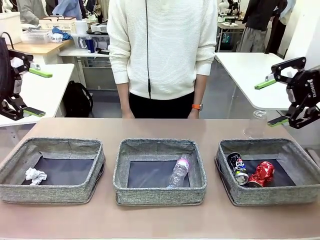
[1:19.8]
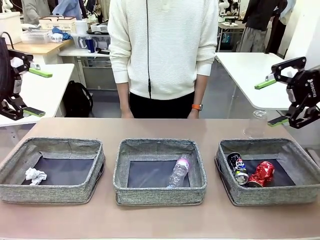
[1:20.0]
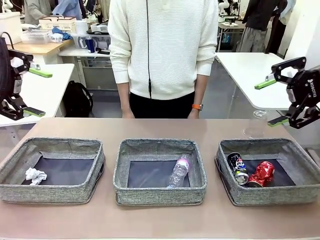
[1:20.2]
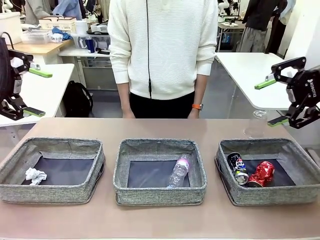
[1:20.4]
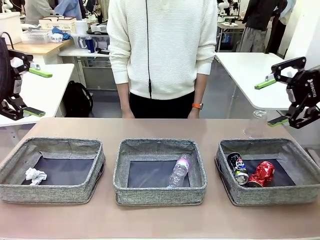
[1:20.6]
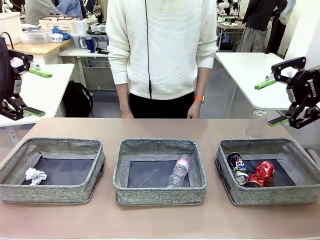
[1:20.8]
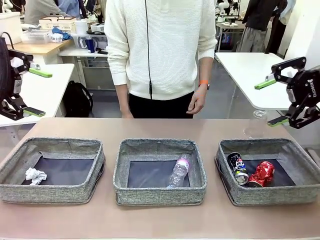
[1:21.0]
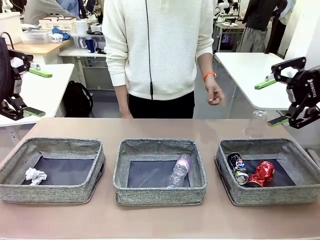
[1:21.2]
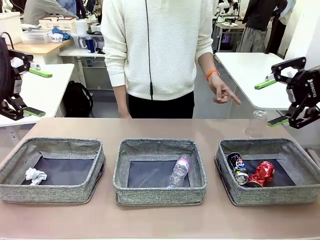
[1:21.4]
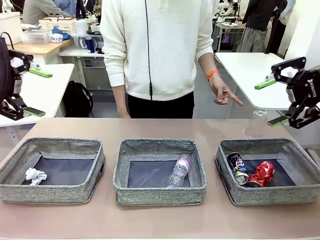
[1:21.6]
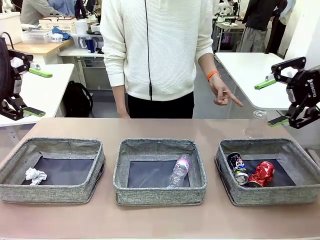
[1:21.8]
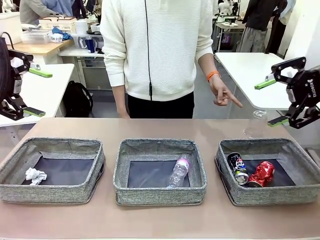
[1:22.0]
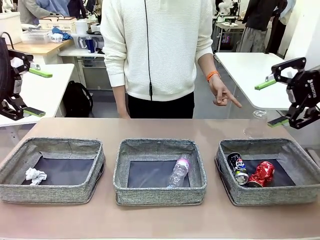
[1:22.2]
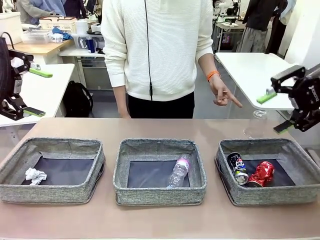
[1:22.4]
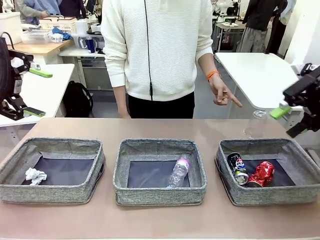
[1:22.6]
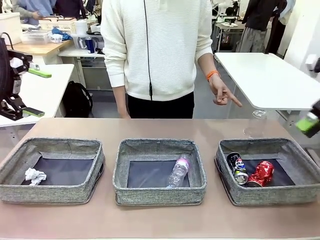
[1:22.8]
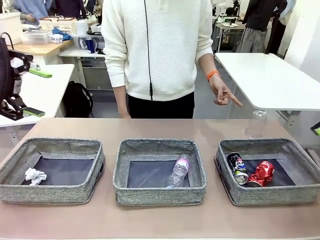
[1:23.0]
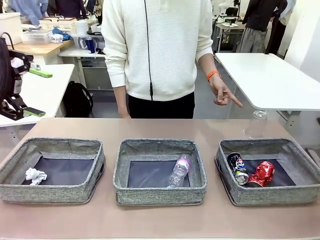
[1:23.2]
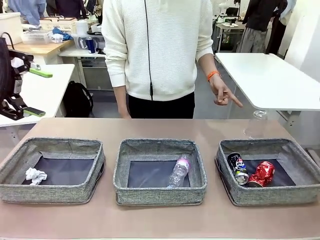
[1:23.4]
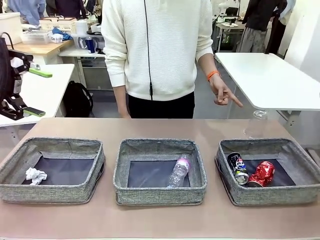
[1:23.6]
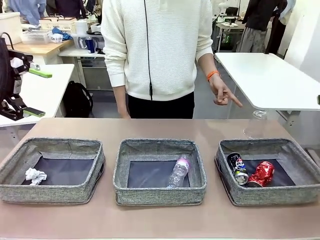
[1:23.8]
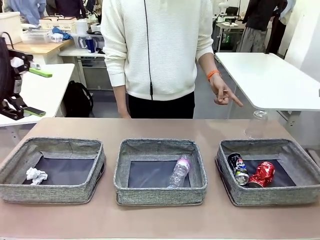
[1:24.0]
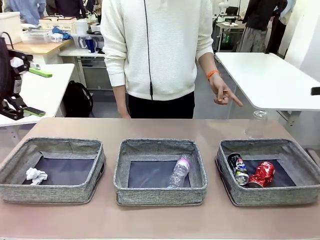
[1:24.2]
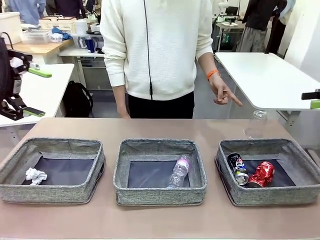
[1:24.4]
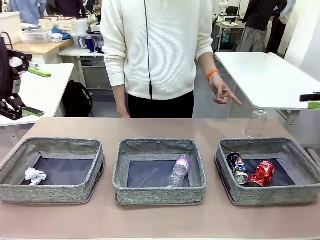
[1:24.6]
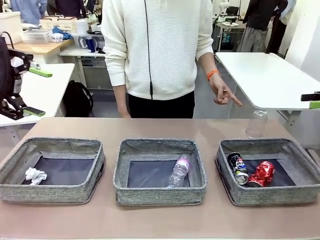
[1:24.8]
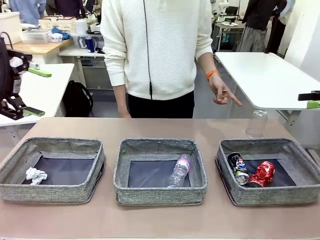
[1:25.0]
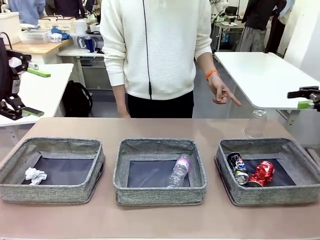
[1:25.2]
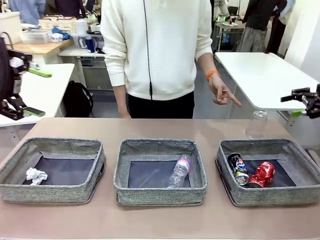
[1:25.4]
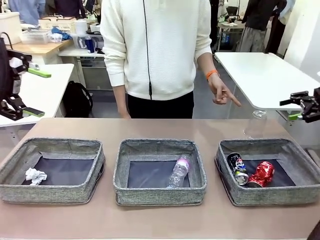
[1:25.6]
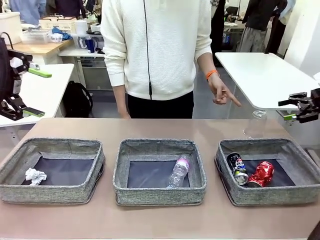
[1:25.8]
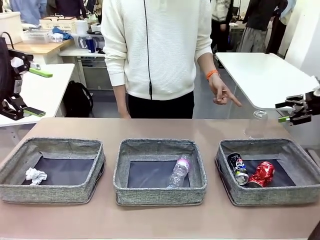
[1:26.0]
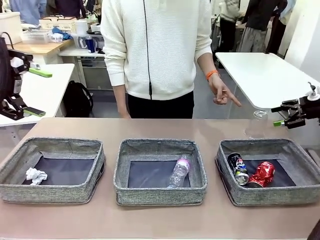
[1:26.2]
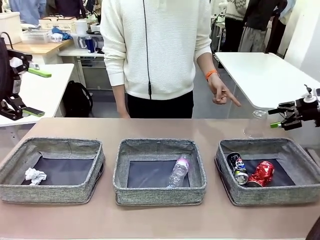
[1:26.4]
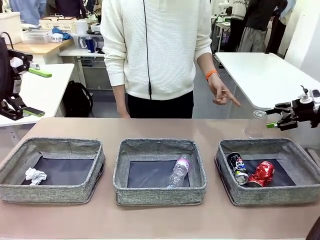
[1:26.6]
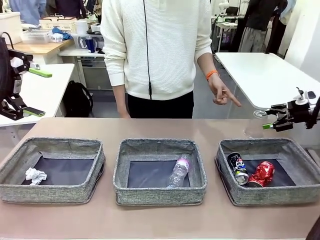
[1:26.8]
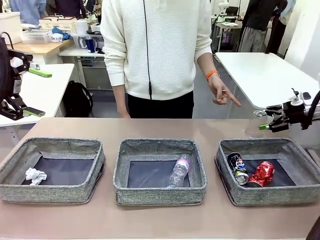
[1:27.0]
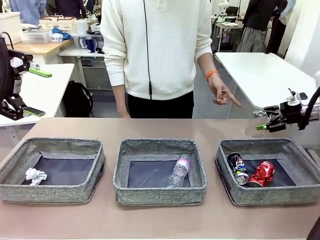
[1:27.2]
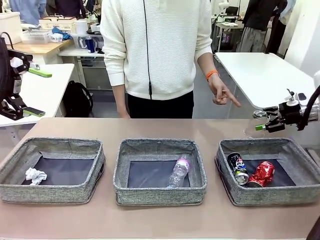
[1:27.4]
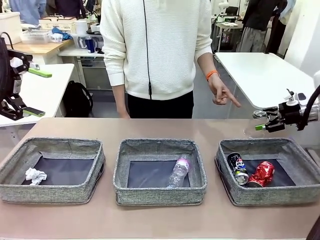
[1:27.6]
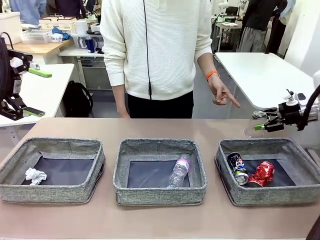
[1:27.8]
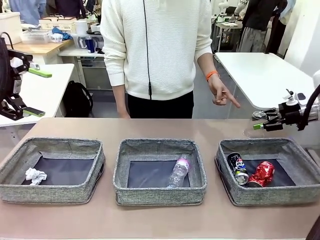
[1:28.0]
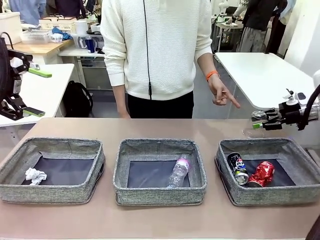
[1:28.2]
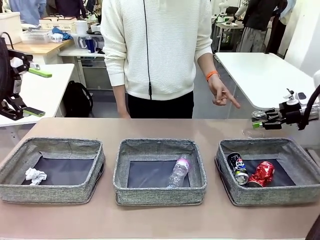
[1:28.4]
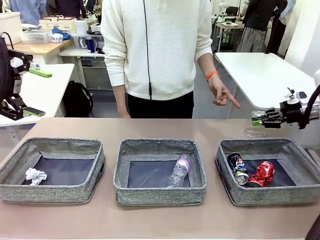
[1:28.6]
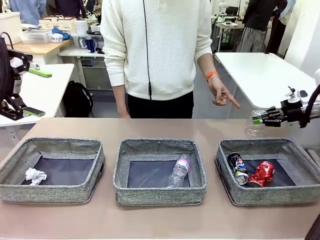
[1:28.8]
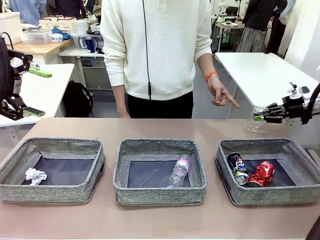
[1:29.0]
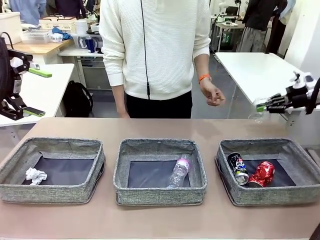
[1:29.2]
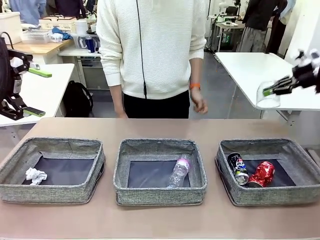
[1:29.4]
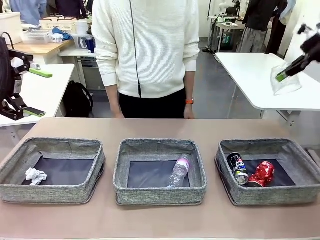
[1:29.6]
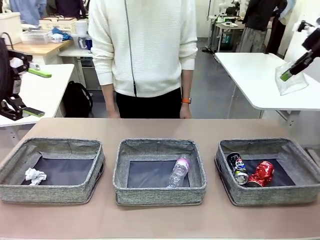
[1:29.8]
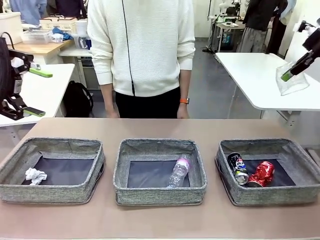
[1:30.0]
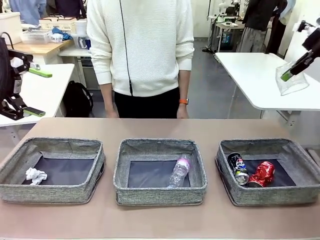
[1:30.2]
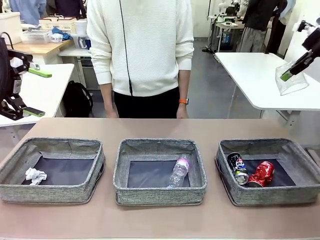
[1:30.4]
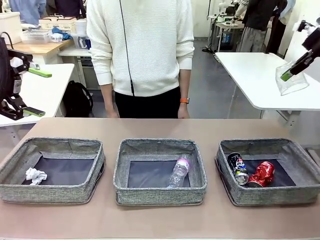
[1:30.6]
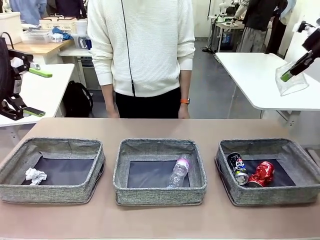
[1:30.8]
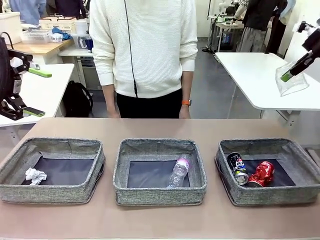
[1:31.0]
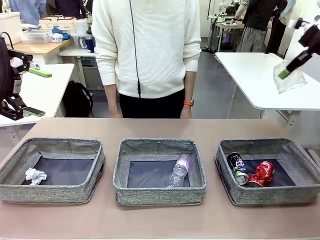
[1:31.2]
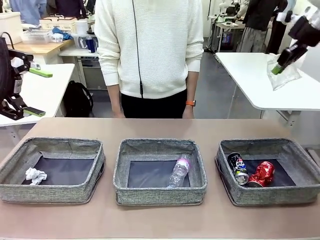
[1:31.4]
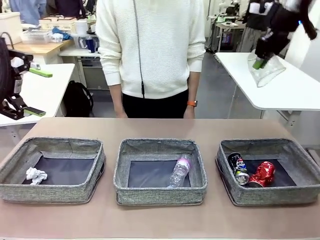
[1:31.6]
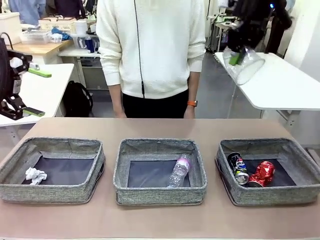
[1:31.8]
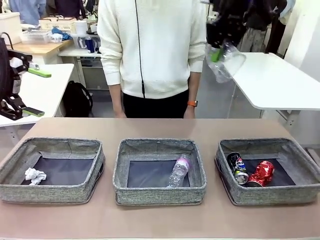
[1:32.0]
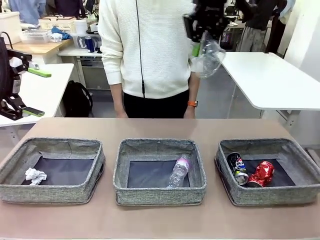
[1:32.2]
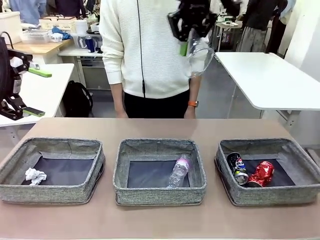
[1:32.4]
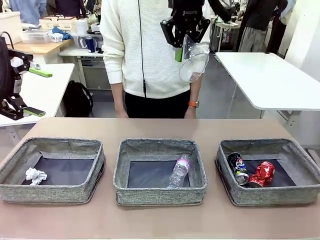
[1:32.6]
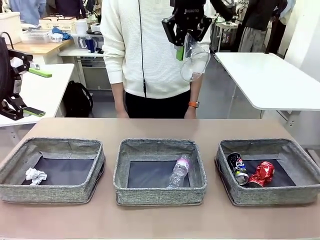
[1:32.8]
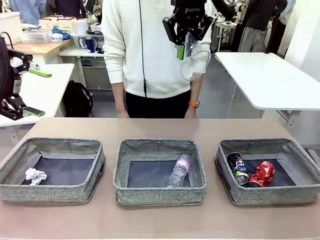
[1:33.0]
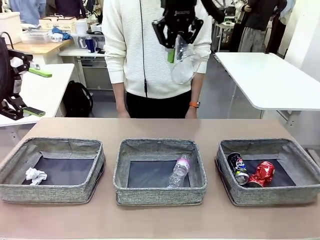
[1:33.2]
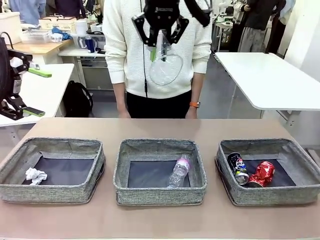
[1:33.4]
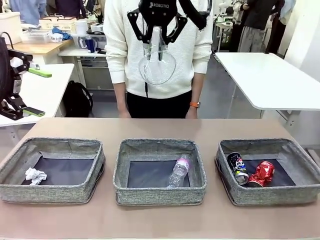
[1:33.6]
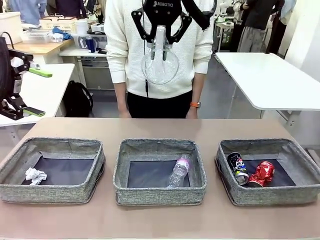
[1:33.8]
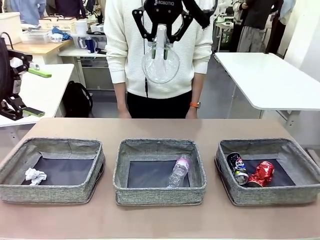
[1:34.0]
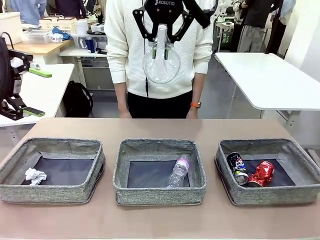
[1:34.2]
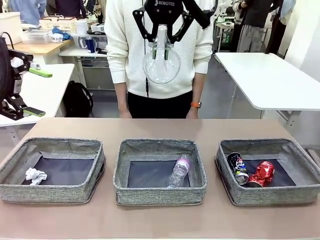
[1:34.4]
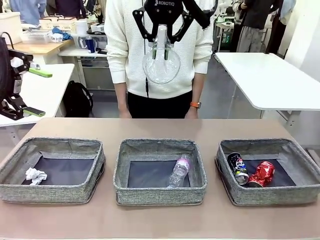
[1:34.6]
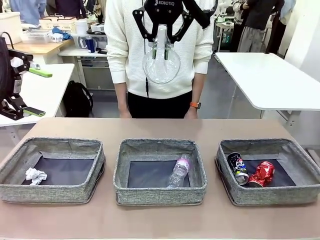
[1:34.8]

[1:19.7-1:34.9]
Task: Sort the waste into the appropriate baskets.
Robot: Pick up the waste item pointed out by the person.
Person: Points to one piece of trash on the table.

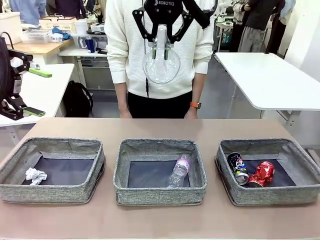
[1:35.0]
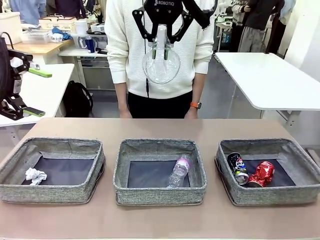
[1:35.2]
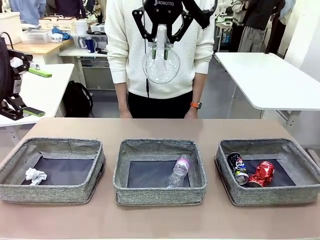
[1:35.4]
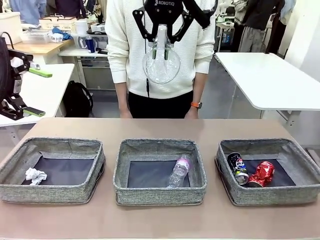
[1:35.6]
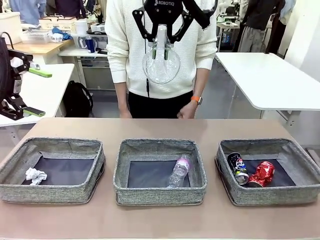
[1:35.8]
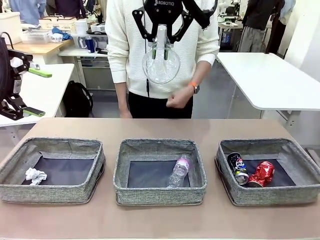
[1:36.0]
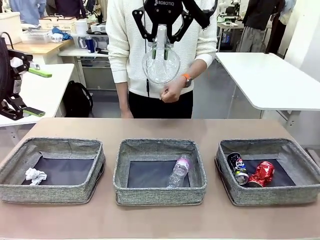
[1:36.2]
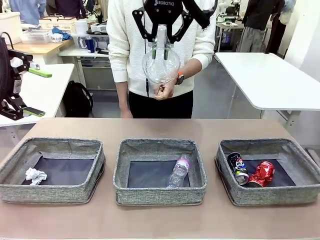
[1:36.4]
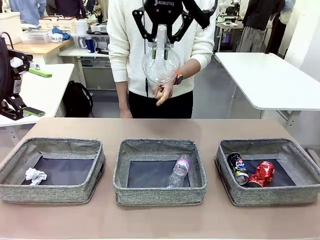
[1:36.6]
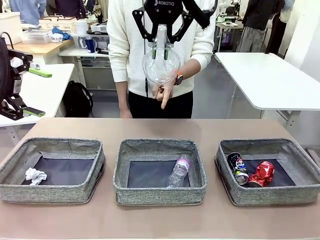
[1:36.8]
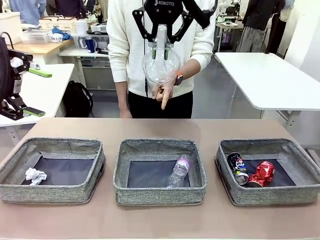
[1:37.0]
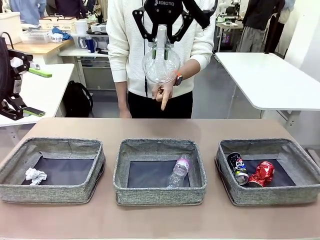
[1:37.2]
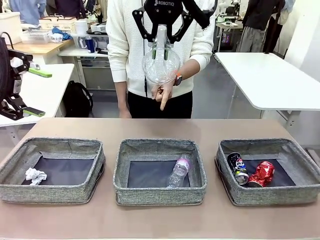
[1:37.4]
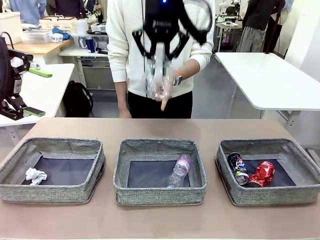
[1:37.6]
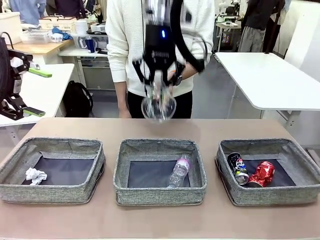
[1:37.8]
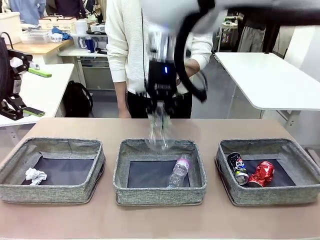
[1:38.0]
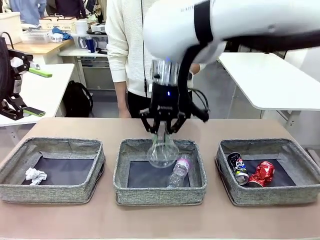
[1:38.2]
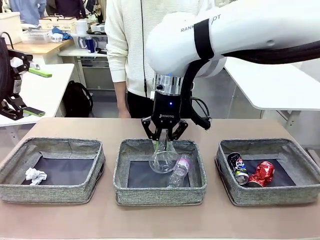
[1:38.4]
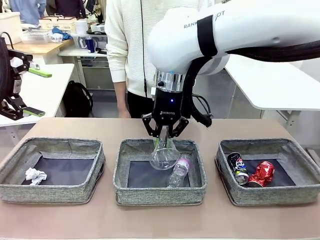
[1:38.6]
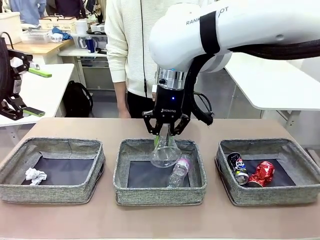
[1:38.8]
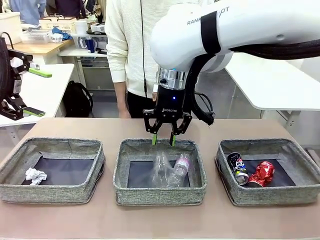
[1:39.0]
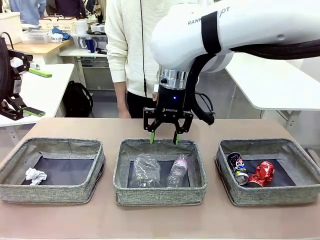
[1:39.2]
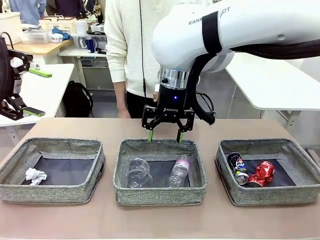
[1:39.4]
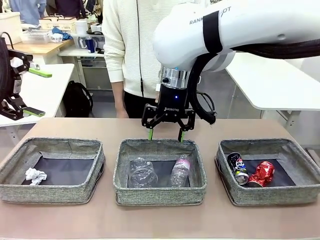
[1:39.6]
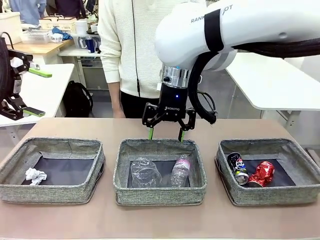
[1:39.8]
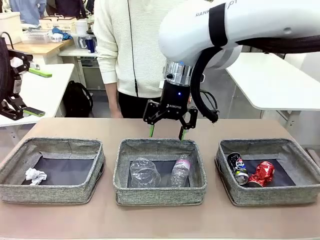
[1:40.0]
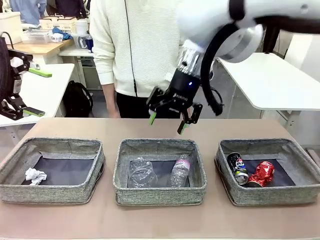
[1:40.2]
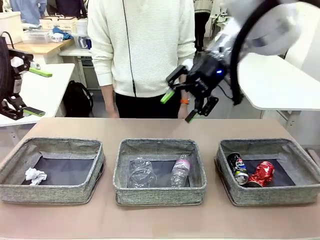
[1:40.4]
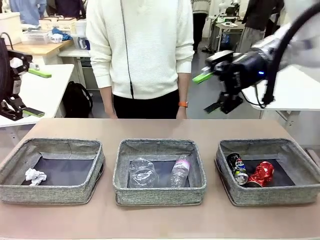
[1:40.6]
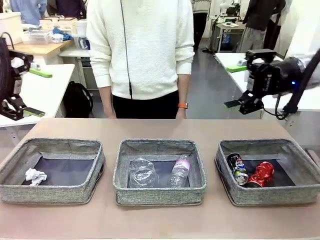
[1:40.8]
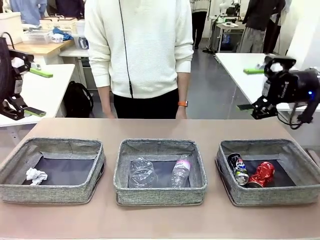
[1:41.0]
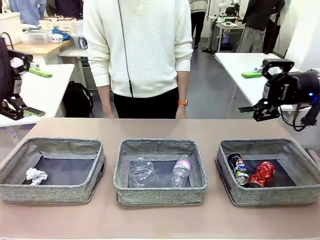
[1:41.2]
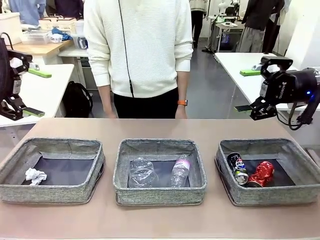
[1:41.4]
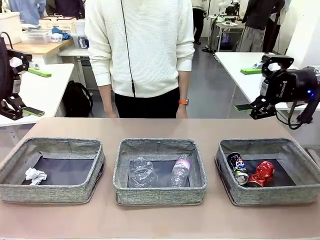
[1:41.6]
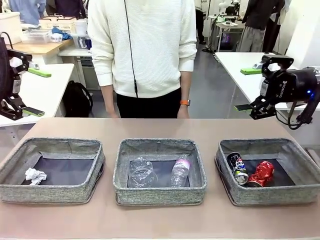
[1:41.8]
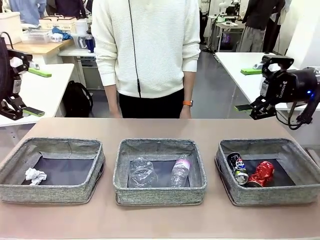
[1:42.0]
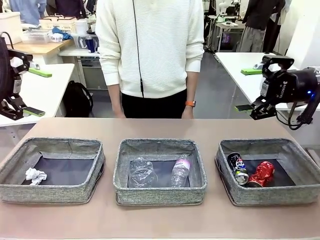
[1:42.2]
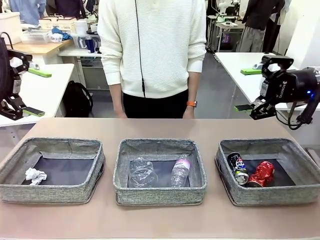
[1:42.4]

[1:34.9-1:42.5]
Robot: Place the picked waste into the Fabric basket indicated by the person.
Person: Instructs the robot to place the picked-up trash into the appropriate organizing basket.
